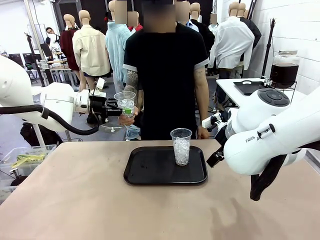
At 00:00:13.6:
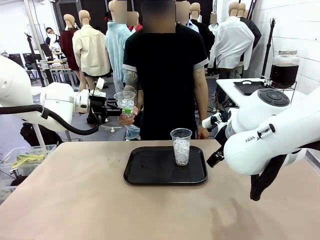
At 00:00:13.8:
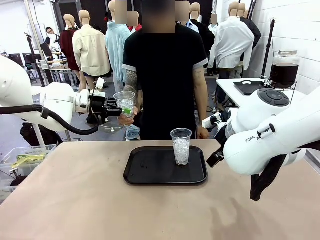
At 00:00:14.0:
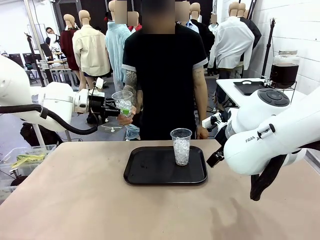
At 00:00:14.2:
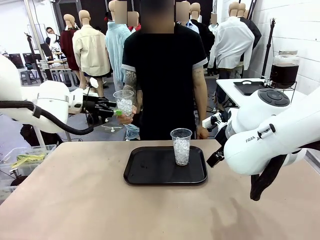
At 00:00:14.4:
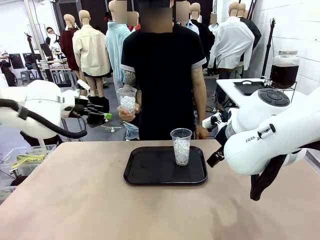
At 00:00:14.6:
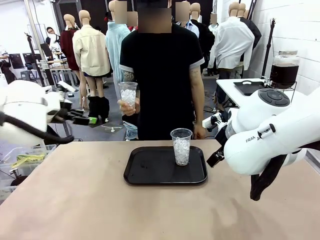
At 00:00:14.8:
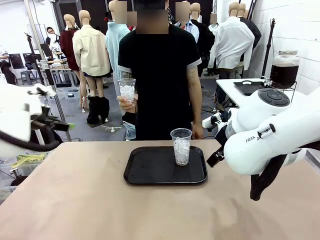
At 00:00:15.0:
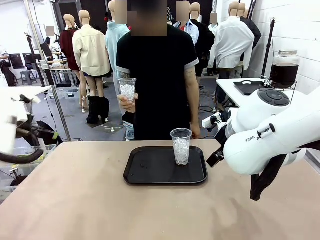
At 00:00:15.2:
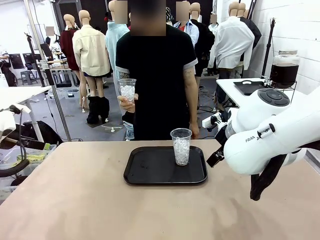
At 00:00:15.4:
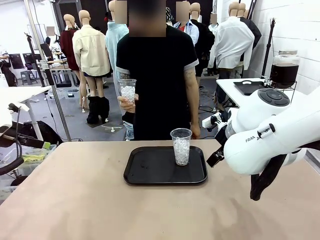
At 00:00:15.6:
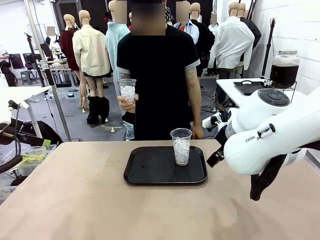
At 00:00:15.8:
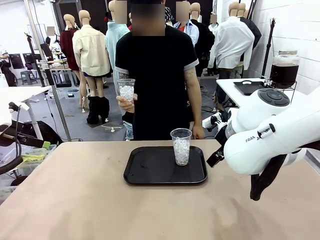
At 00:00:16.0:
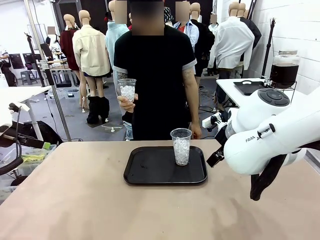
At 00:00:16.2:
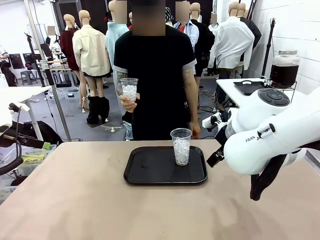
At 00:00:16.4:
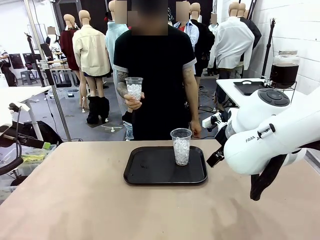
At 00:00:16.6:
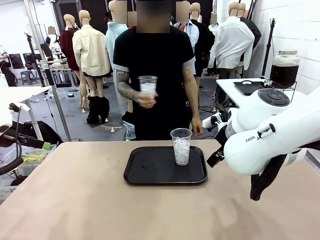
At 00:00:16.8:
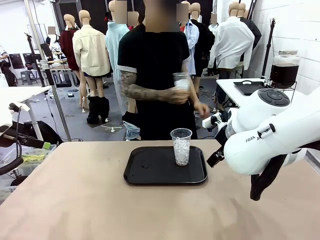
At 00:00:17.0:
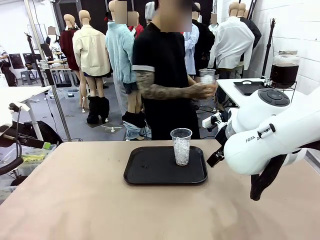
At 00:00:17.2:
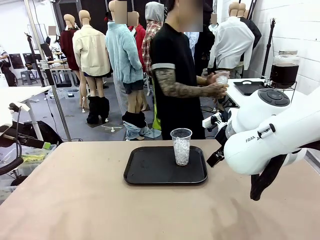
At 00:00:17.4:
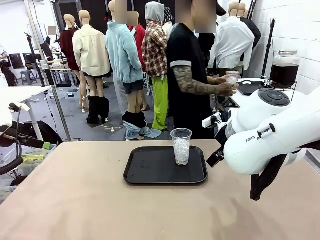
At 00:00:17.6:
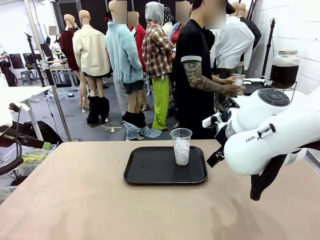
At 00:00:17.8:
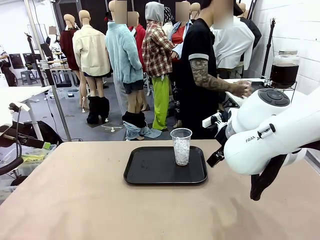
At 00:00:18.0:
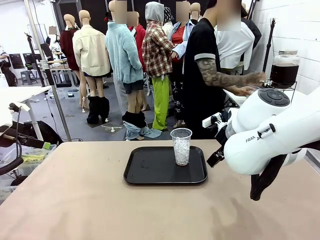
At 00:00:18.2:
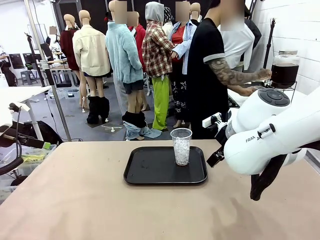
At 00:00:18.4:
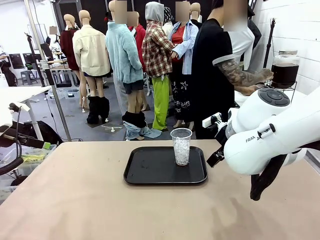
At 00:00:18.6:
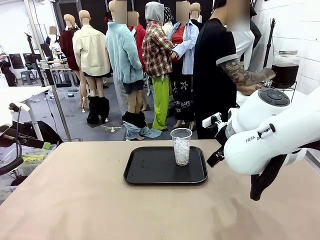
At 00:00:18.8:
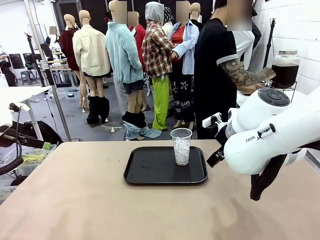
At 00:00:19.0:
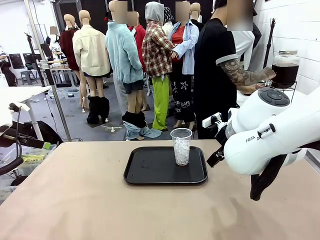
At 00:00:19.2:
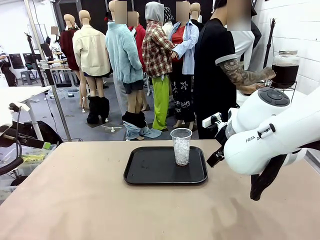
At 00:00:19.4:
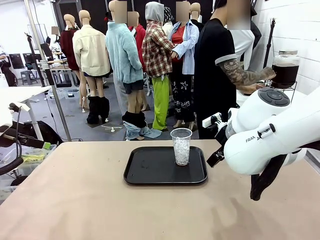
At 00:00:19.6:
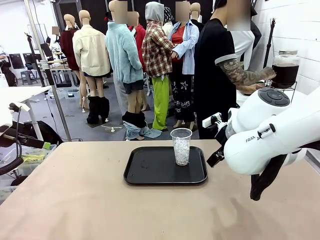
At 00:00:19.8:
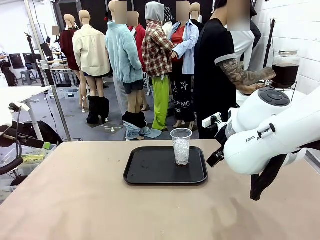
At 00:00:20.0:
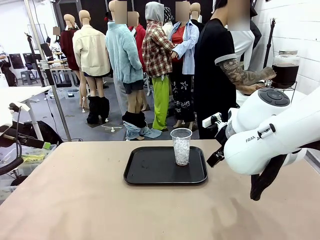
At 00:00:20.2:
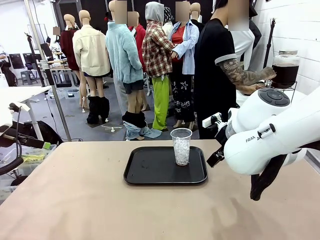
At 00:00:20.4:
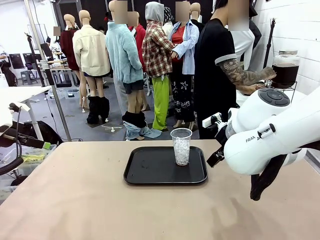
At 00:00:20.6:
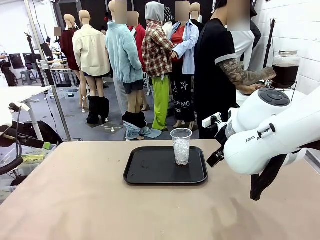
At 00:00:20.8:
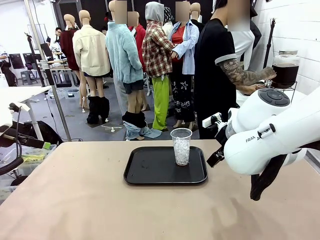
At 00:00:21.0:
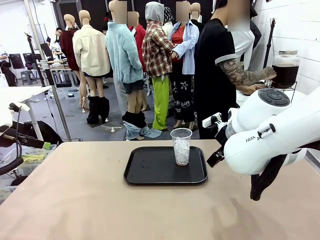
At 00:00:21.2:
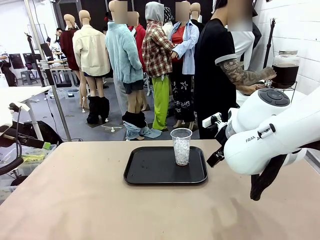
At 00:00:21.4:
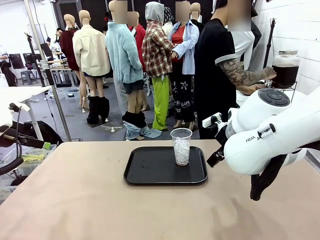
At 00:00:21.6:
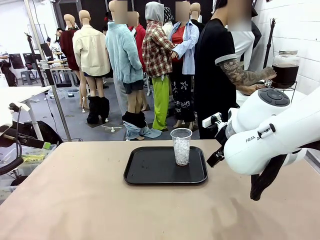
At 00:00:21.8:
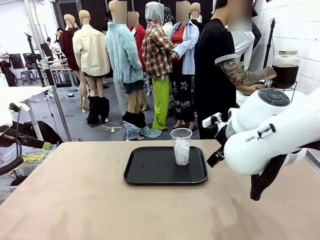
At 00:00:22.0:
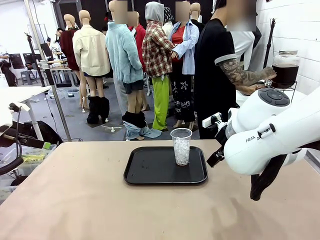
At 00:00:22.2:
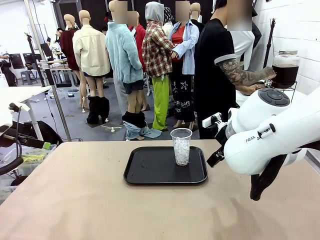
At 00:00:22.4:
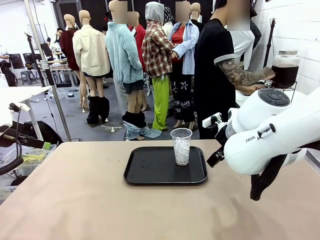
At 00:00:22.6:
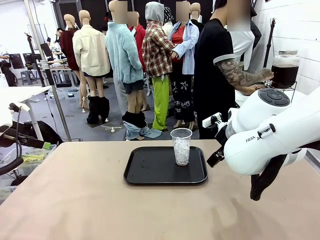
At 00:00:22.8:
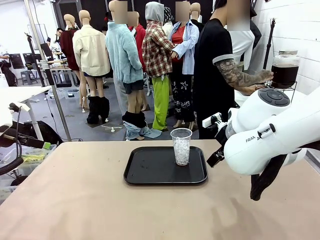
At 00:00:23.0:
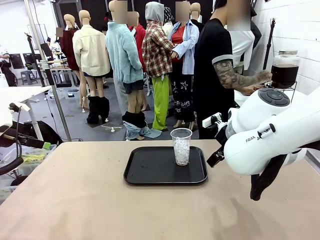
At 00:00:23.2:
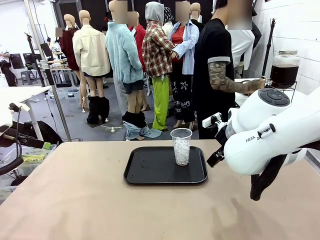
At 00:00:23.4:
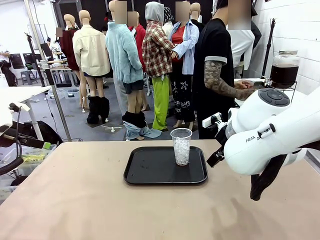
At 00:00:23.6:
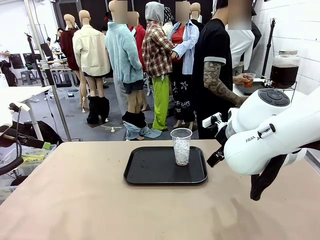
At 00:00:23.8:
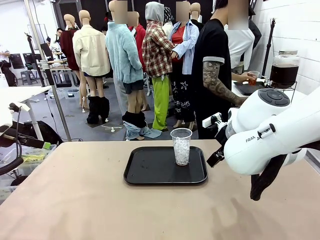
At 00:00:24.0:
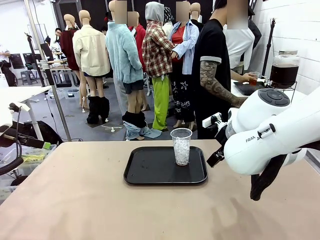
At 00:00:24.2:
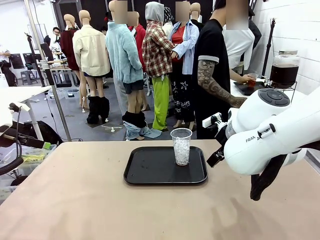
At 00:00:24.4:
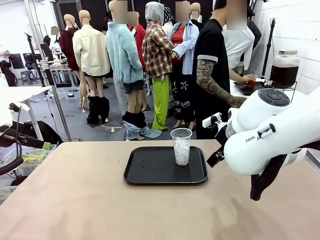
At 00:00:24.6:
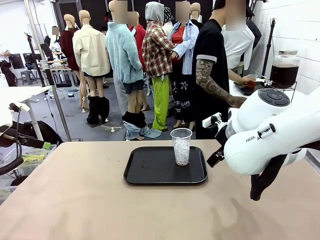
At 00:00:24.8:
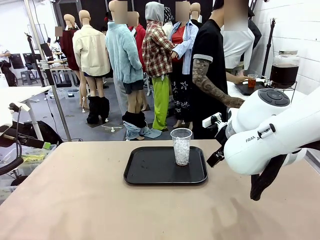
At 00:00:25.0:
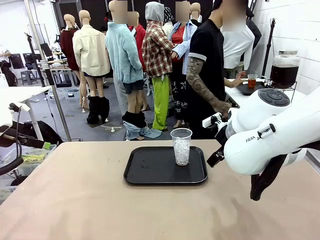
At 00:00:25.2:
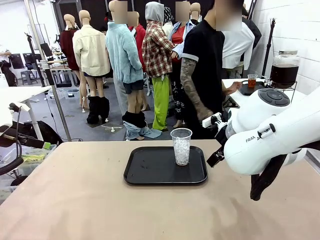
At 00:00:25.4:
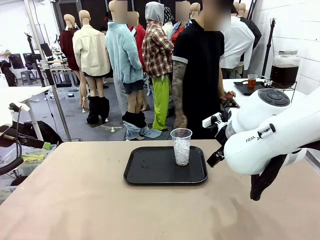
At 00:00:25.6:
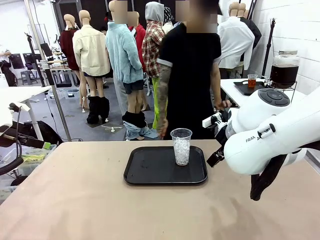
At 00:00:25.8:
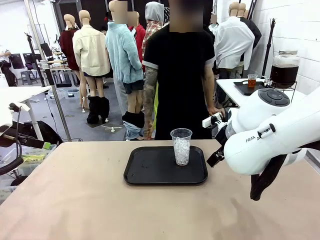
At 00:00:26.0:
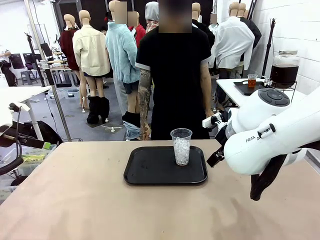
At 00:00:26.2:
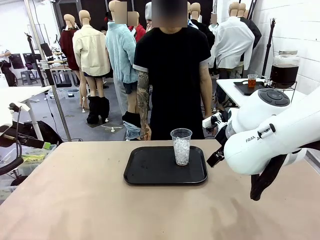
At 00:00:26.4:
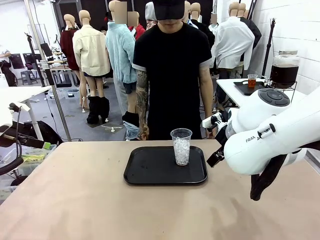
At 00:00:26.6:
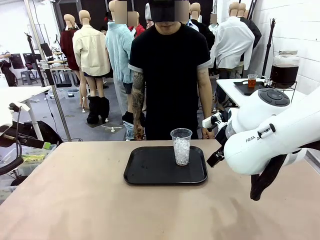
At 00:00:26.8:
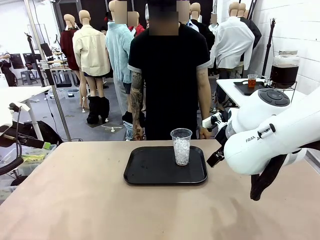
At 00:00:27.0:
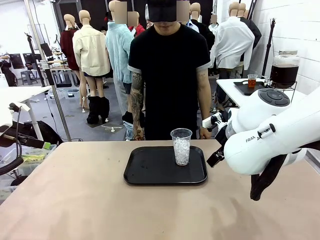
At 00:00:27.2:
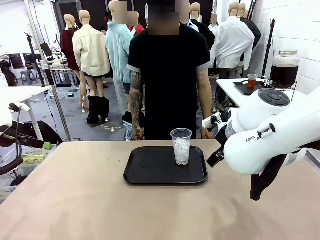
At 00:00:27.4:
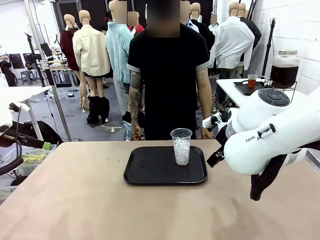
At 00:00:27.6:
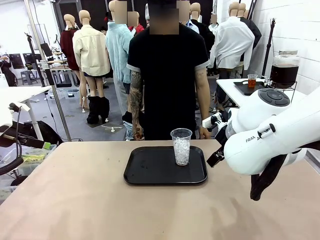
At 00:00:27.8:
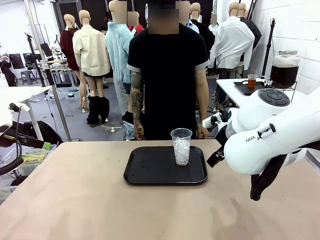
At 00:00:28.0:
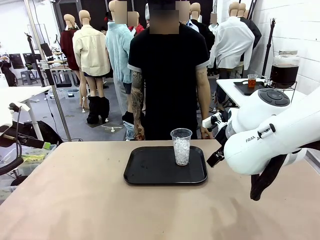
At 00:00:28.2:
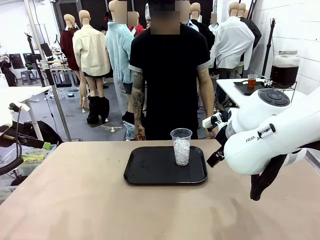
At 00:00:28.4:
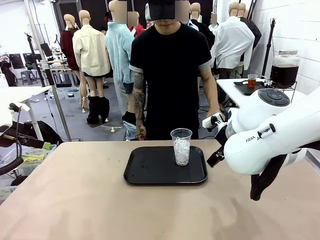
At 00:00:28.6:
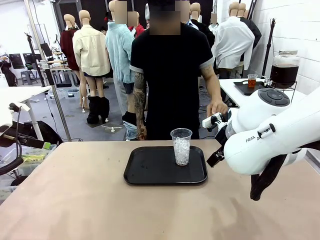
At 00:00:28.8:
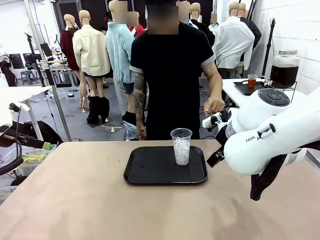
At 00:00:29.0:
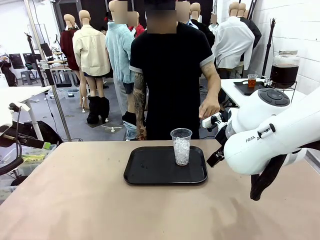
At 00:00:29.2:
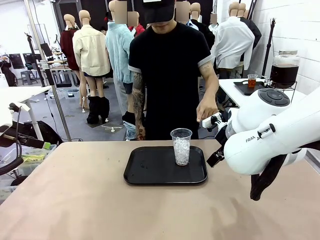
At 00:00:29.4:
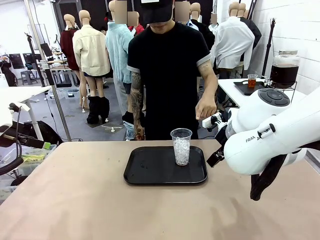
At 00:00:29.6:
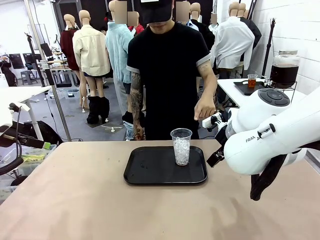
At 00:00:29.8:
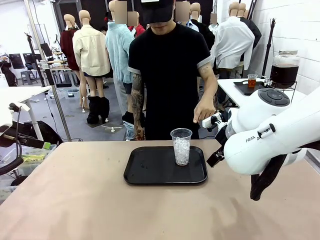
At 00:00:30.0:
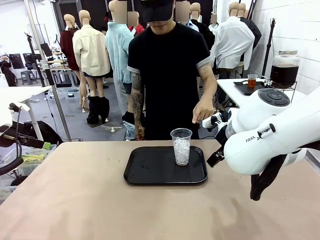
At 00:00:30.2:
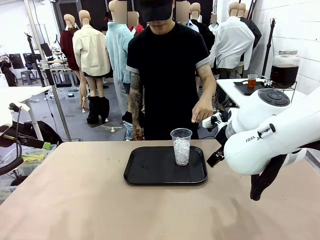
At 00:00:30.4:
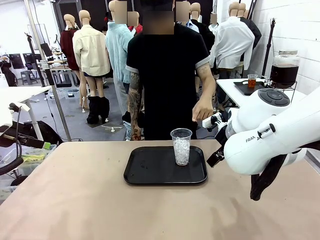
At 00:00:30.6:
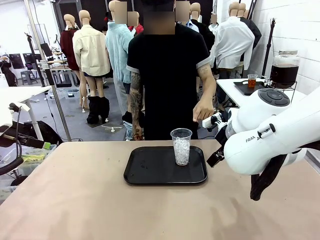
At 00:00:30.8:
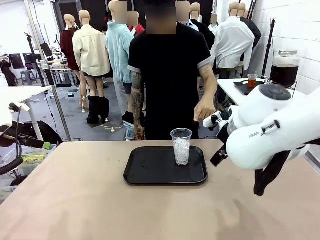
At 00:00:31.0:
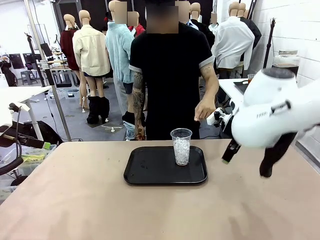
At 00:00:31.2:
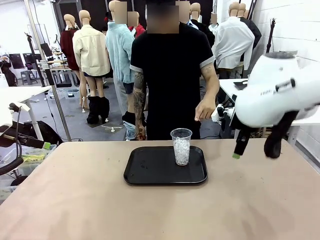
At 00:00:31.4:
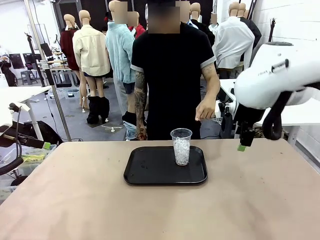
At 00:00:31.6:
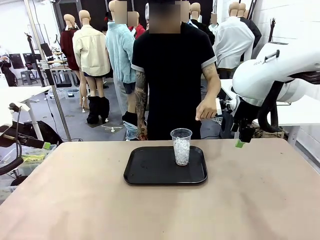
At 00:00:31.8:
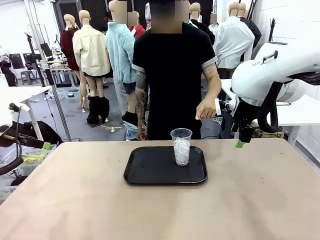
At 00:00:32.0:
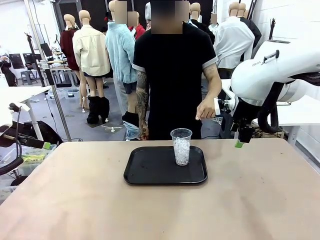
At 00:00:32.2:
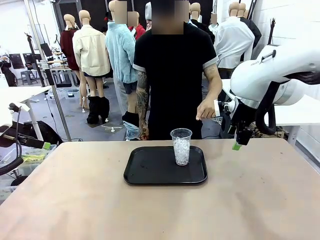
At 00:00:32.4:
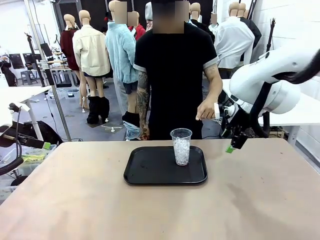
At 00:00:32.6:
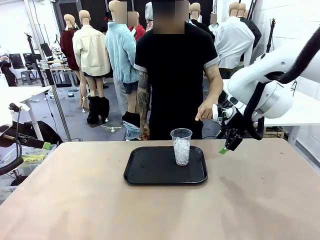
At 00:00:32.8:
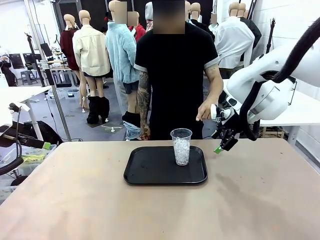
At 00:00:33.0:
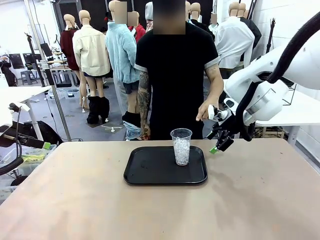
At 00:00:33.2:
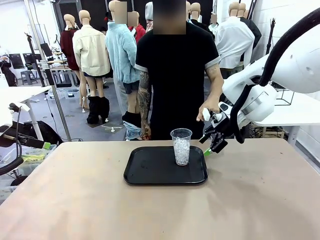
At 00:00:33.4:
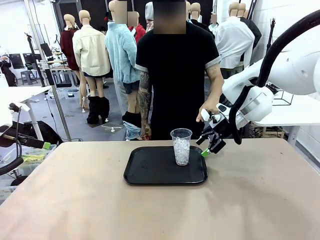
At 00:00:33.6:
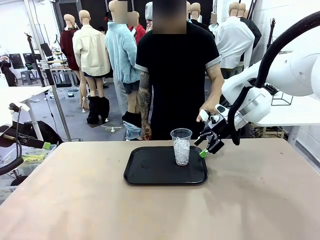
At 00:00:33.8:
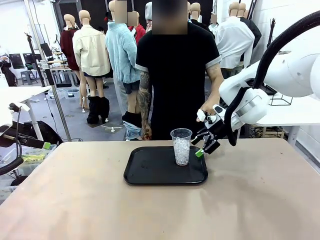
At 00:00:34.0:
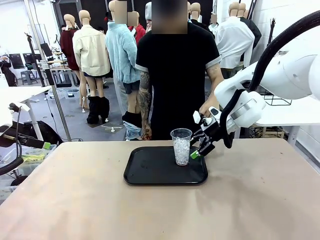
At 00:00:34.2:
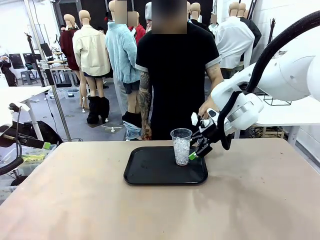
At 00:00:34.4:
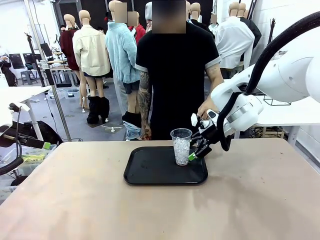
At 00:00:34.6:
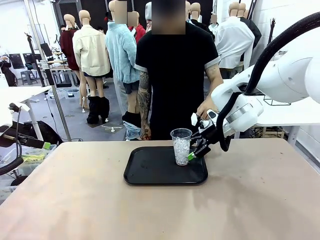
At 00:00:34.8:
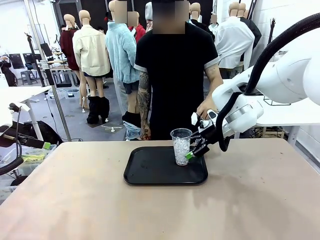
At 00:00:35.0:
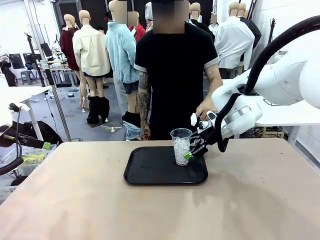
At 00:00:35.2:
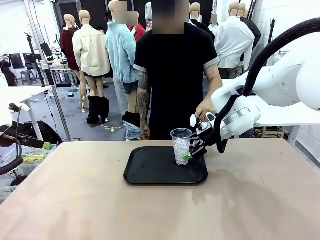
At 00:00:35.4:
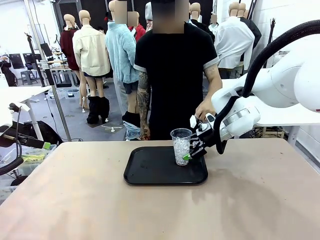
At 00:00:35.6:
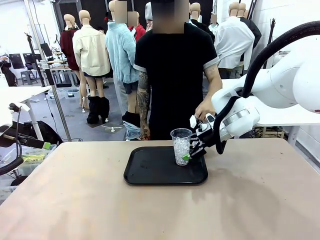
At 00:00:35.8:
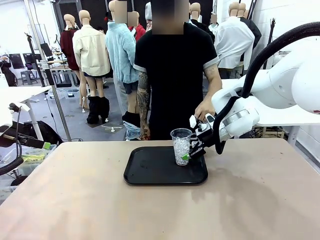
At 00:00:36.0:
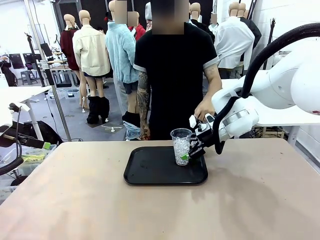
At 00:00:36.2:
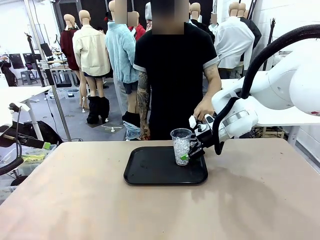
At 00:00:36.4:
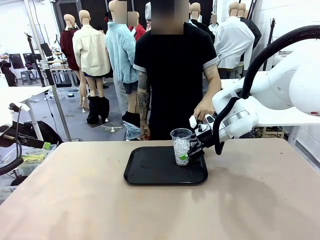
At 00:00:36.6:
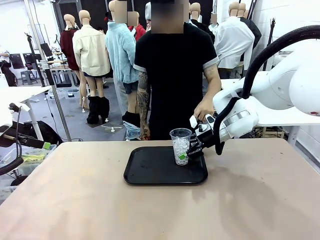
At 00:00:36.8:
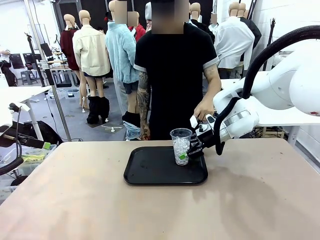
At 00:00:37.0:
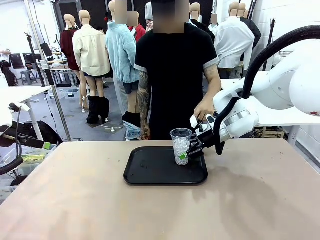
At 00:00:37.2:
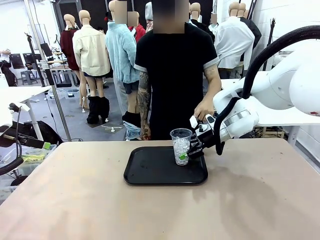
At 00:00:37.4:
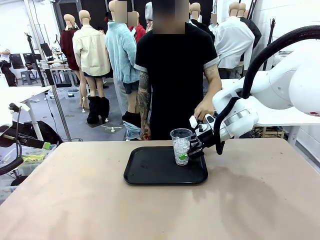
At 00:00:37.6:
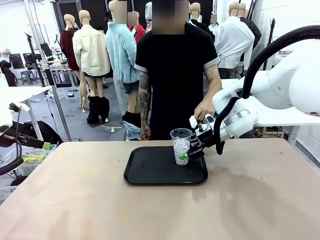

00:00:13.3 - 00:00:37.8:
Task: Pour the drink into the iced cup.
Robot: Pick up the iced cup indicated by the human and present it to them.
Person: Move the picked-up cup under the dispenser faucet, pour the drink, and place it on the tray on the human table. Point to the remaining ice cup on the robot table. Pick up the cup offered by the robot.
